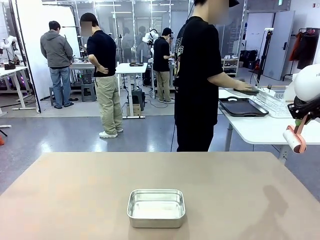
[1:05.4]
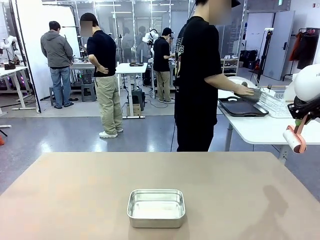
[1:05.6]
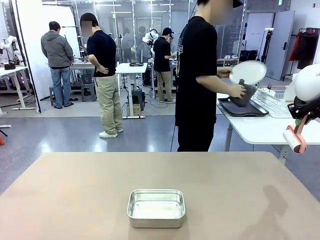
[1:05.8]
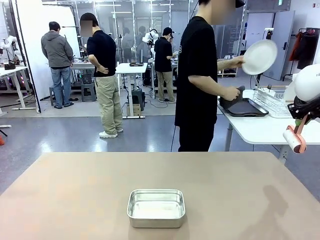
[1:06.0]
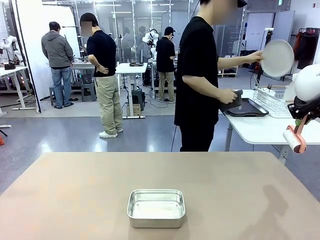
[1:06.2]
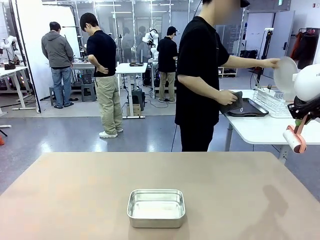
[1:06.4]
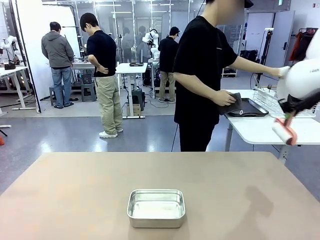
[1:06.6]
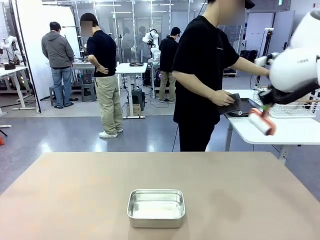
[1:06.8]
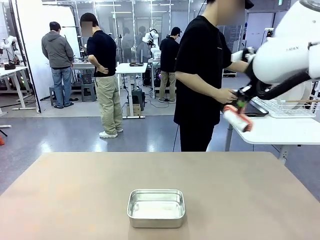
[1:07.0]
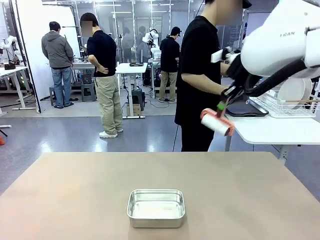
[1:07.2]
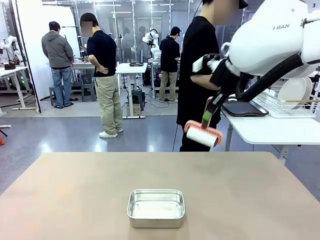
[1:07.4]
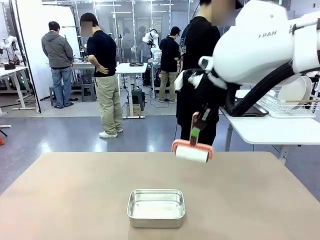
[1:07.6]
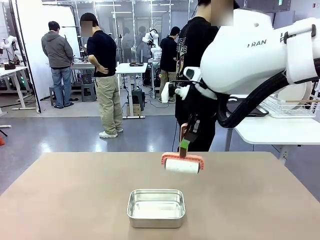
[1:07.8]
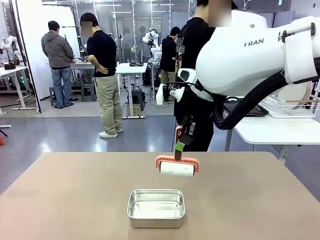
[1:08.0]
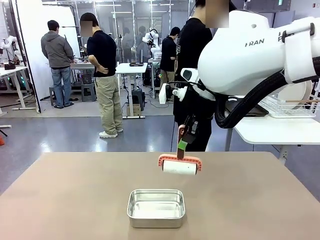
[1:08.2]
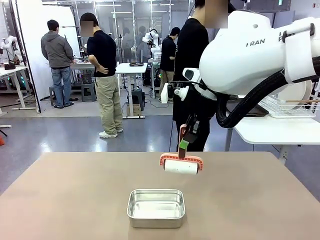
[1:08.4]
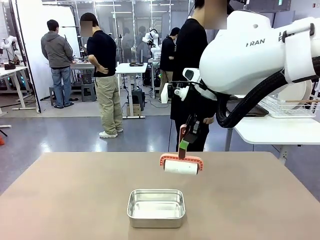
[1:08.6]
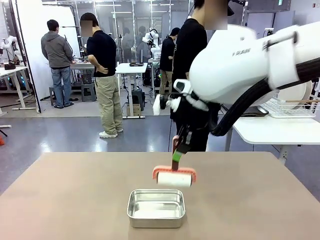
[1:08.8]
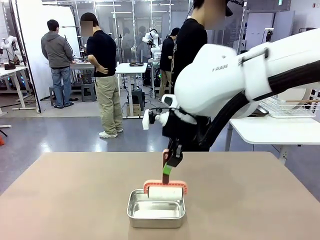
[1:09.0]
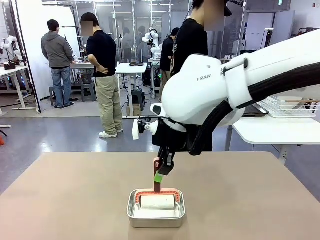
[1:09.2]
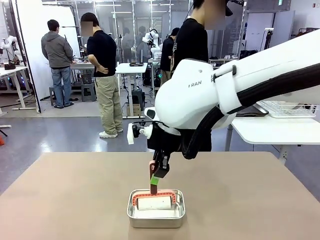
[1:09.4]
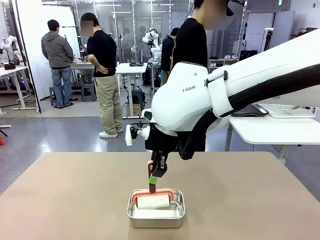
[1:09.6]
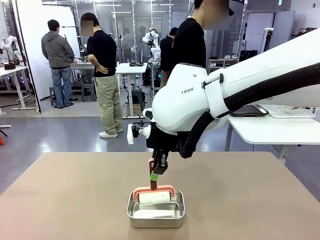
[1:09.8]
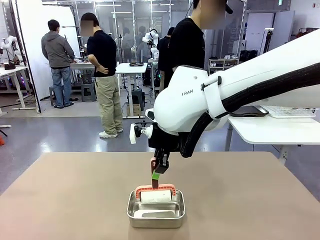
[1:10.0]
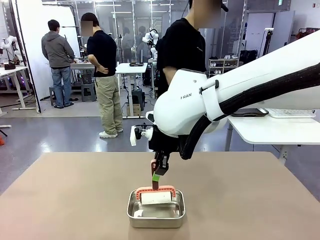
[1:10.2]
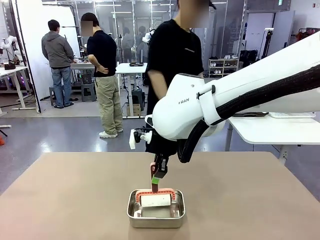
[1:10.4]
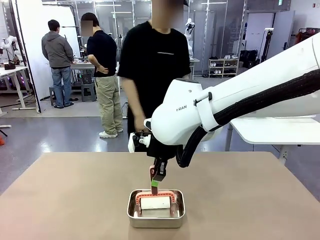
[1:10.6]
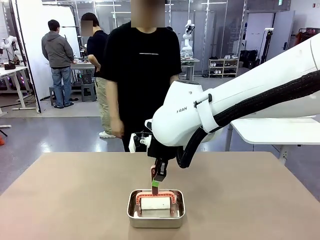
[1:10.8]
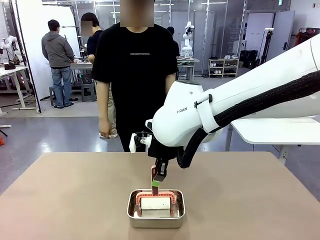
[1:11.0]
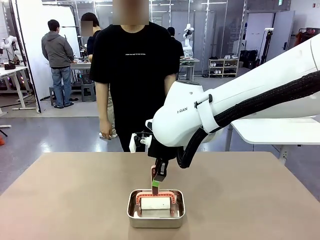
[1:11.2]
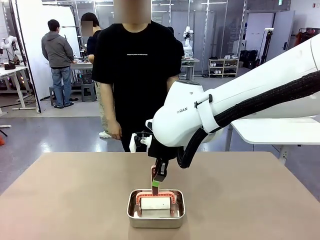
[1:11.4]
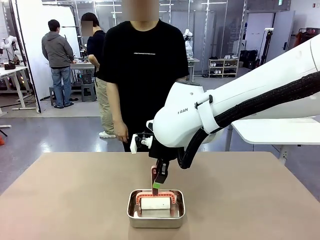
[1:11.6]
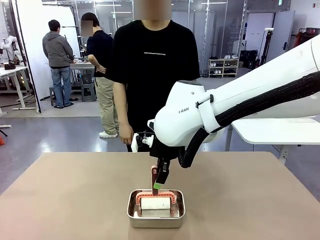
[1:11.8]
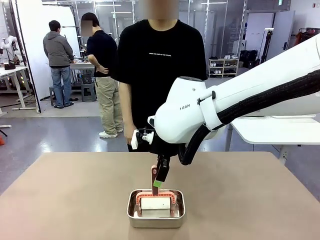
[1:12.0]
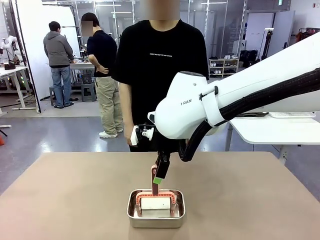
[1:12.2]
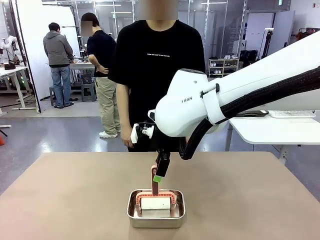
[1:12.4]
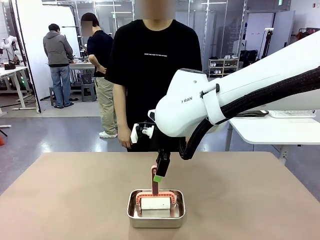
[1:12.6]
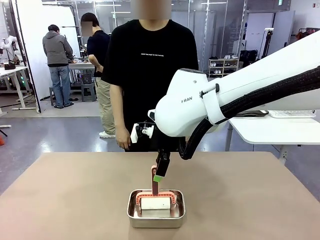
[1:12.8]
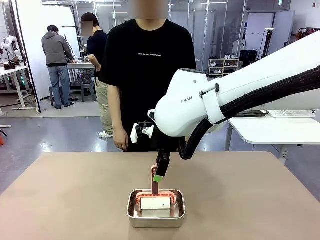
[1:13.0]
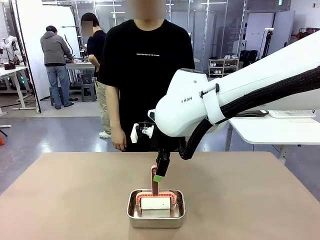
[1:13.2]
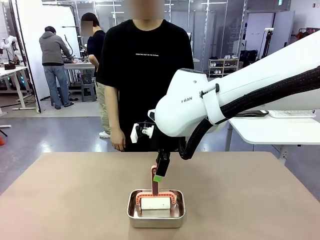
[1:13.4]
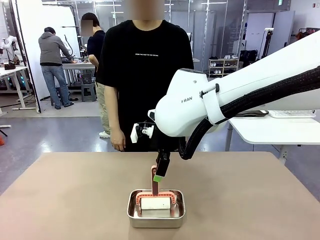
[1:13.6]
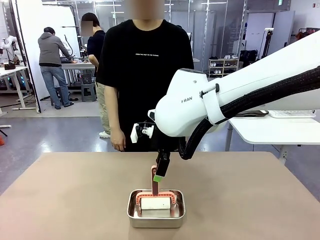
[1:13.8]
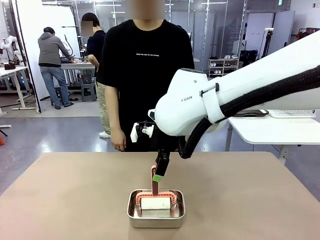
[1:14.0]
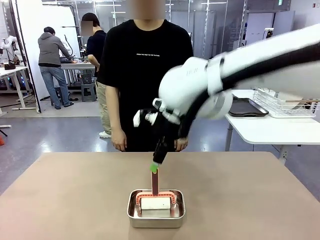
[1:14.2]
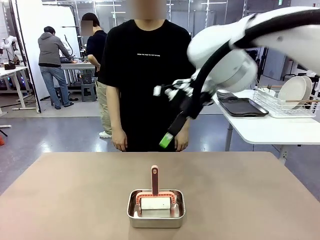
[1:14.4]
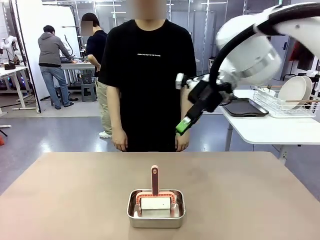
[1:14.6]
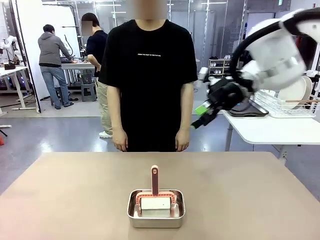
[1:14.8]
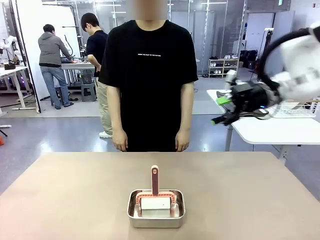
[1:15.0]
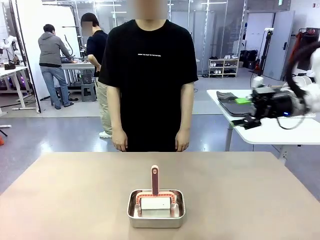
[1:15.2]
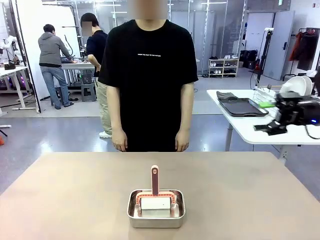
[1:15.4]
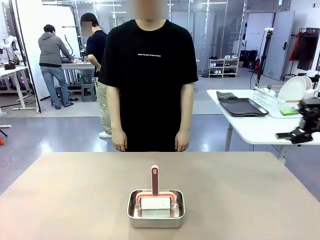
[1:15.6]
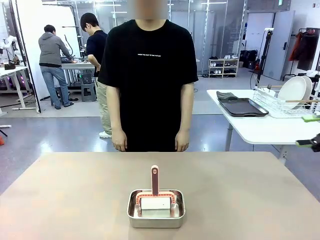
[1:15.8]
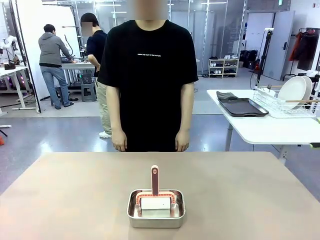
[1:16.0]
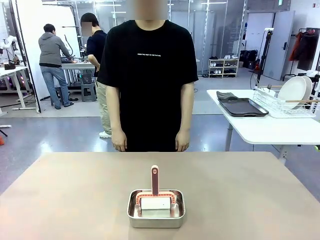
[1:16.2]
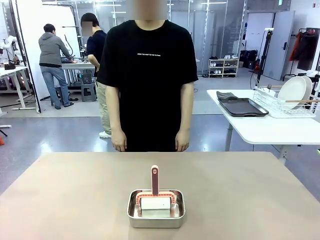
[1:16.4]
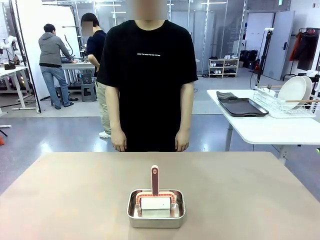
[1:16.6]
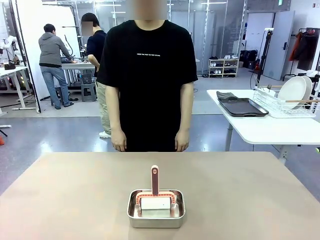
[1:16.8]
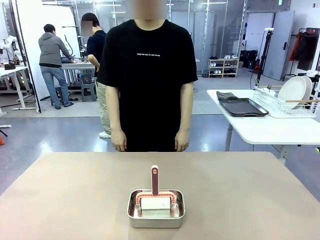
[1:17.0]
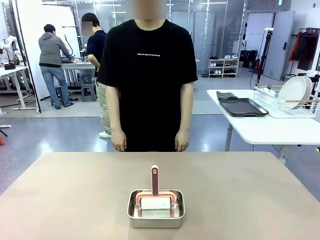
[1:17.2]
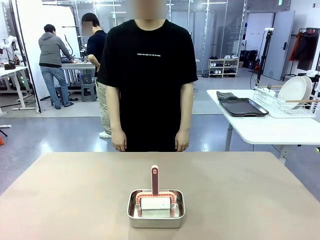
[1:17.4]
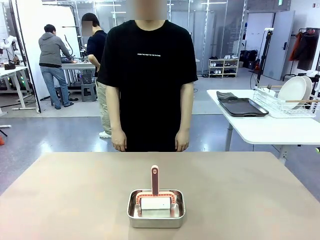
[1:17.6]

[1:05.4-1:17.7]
Robot: Place the Lint Roller back on top of the Airtight Container.
